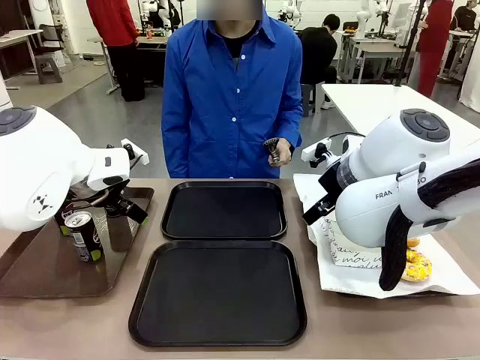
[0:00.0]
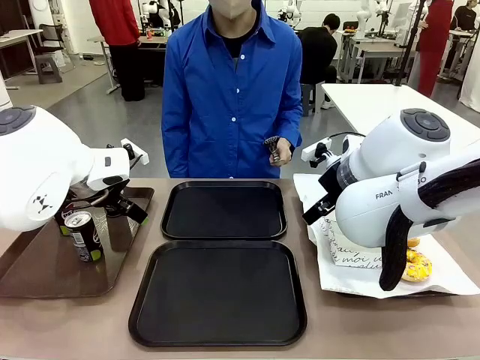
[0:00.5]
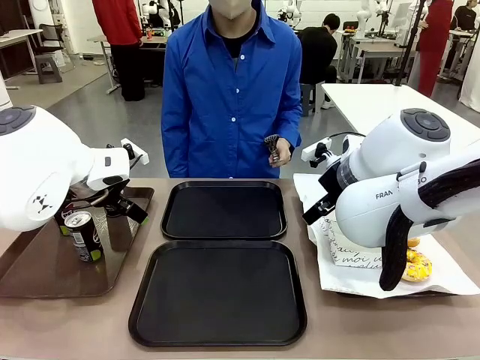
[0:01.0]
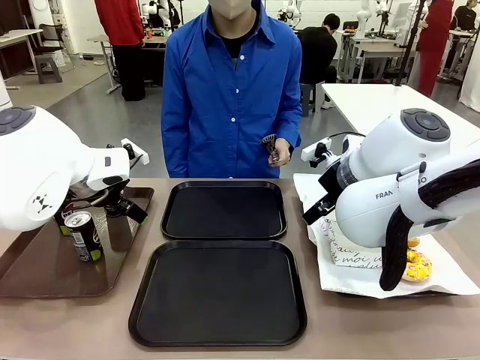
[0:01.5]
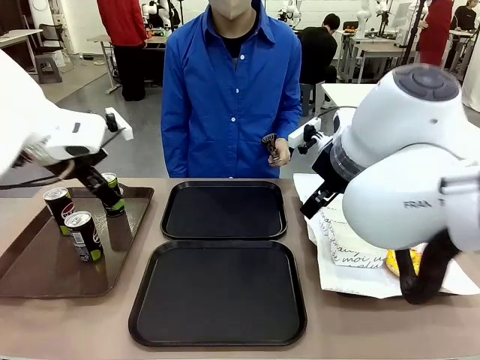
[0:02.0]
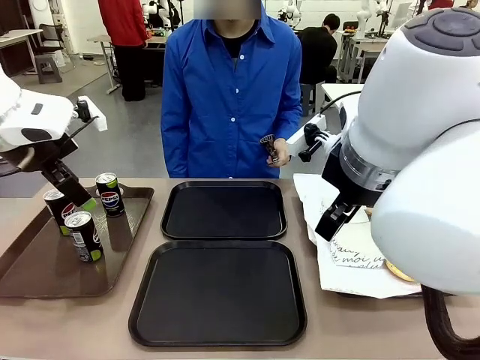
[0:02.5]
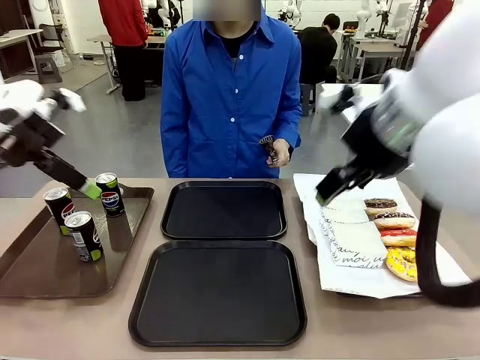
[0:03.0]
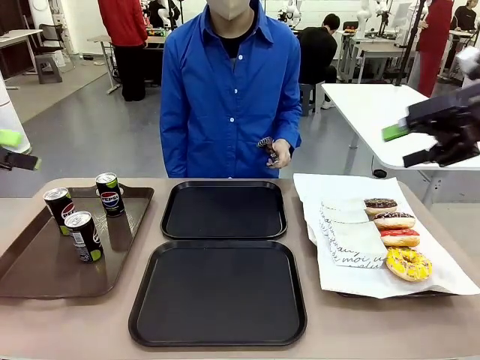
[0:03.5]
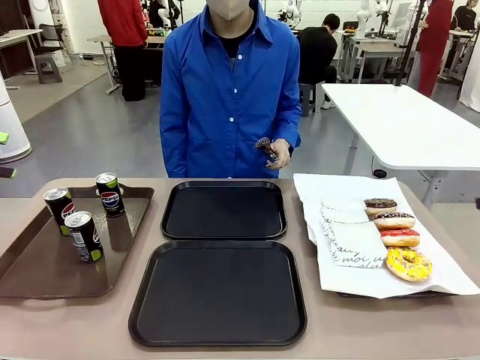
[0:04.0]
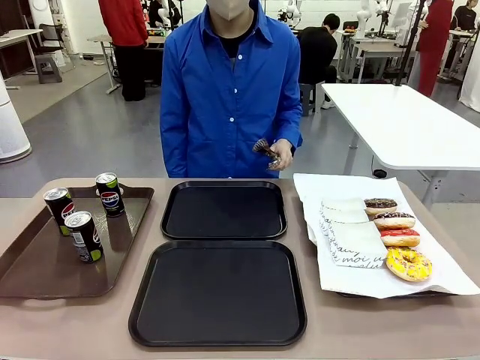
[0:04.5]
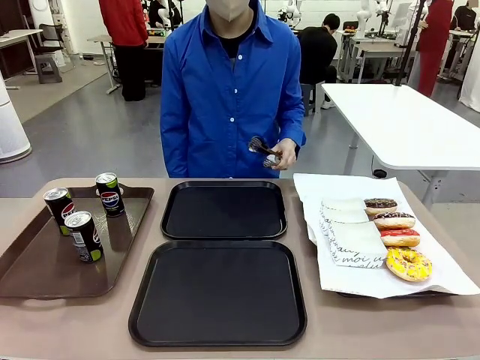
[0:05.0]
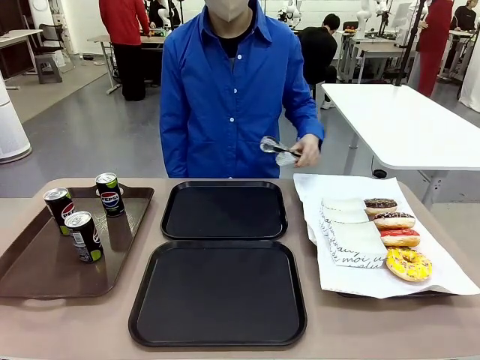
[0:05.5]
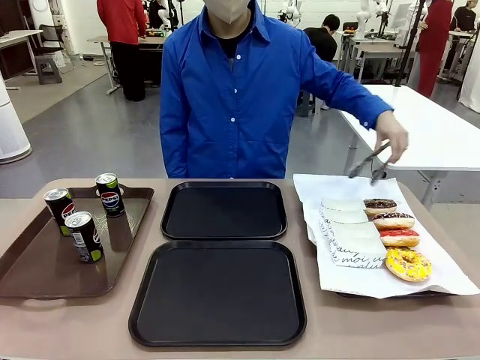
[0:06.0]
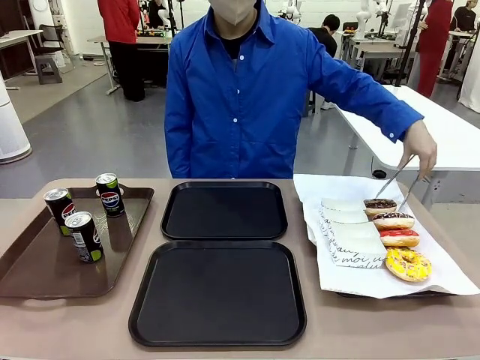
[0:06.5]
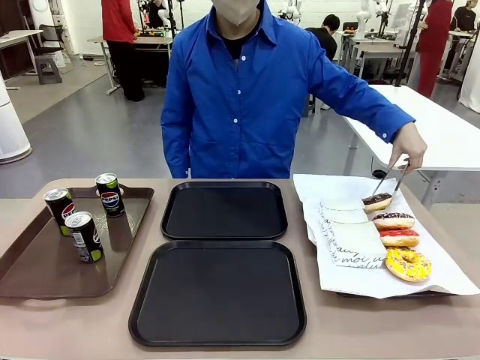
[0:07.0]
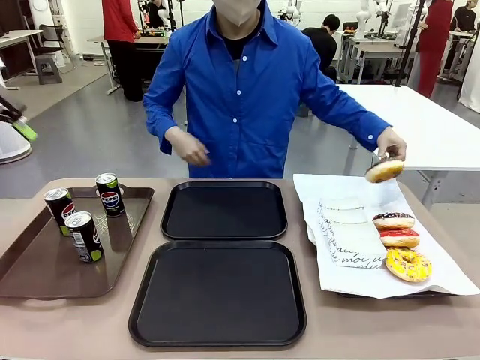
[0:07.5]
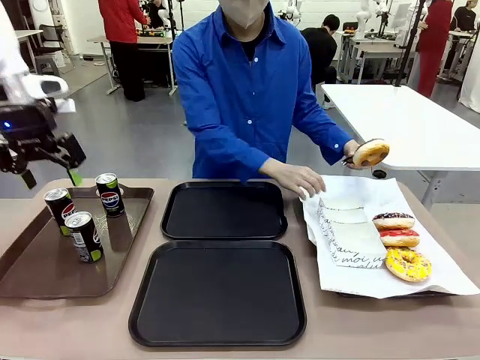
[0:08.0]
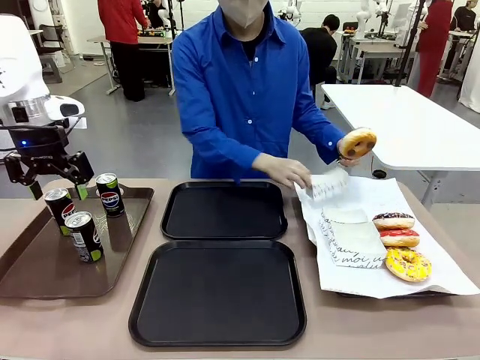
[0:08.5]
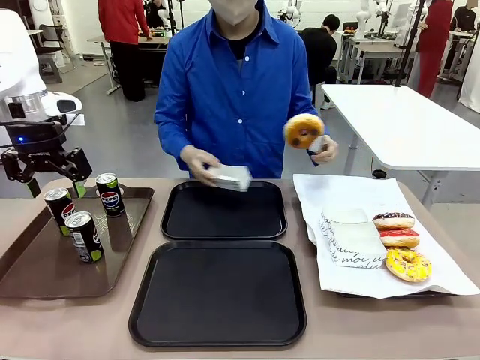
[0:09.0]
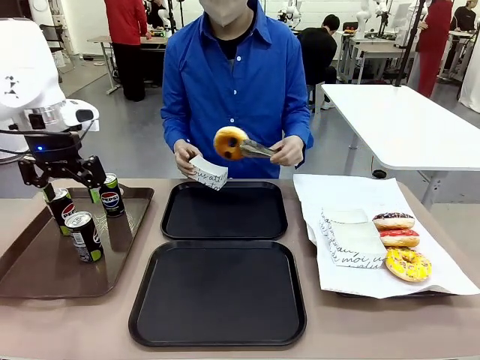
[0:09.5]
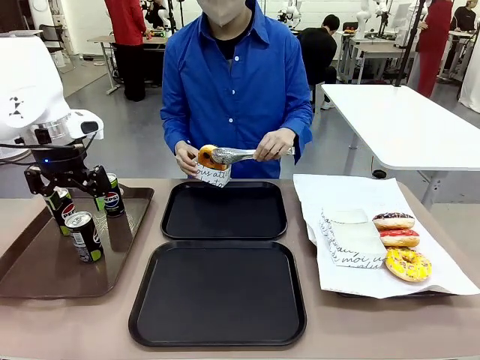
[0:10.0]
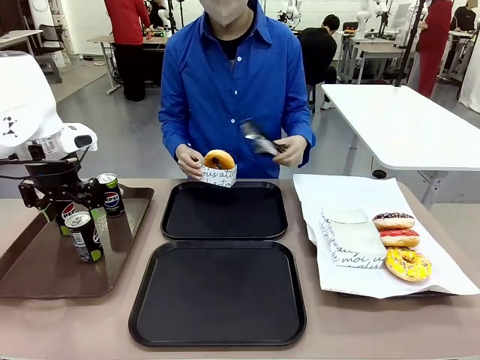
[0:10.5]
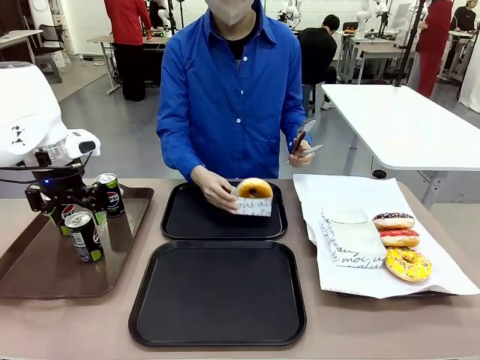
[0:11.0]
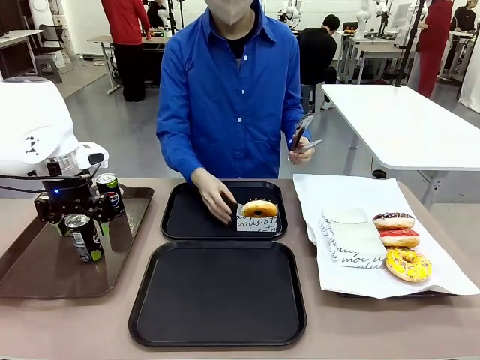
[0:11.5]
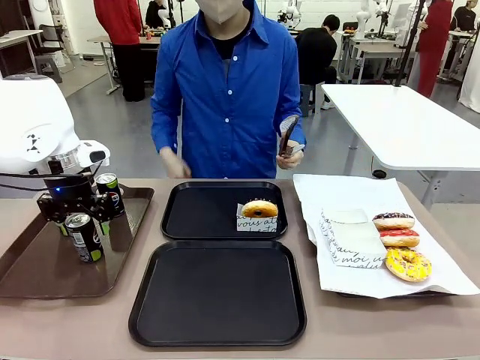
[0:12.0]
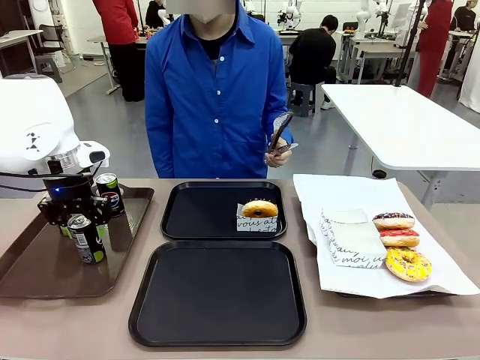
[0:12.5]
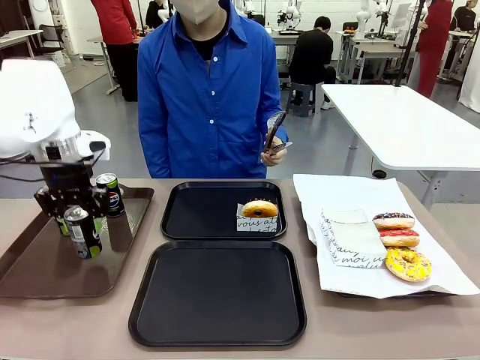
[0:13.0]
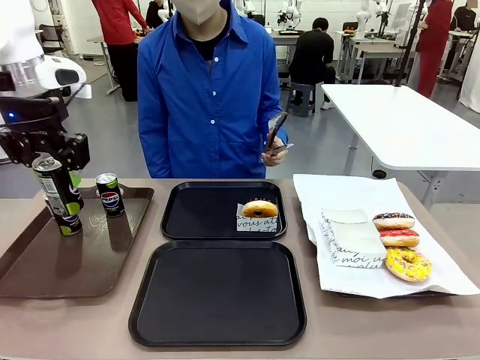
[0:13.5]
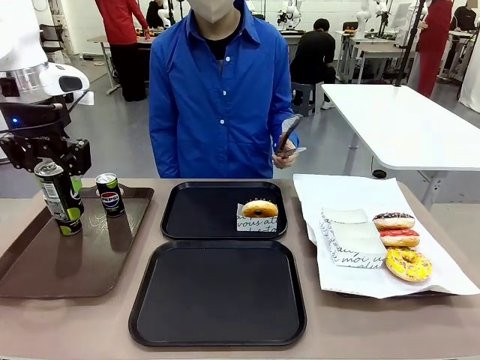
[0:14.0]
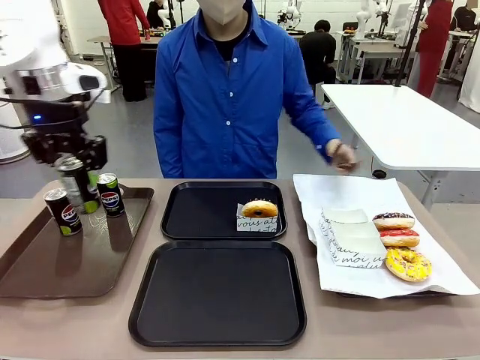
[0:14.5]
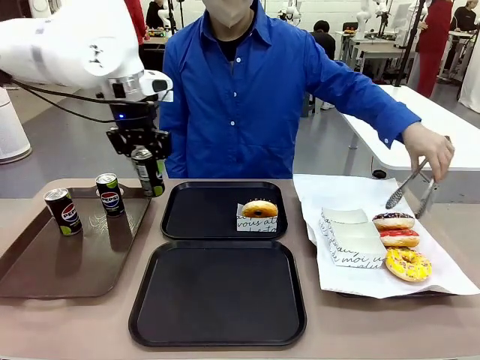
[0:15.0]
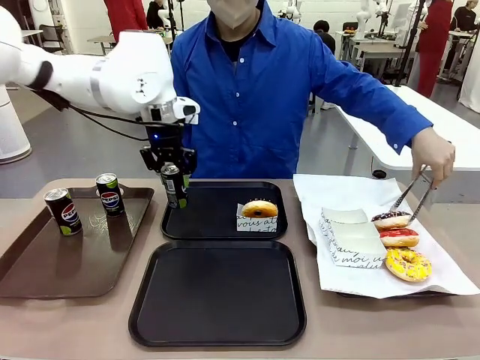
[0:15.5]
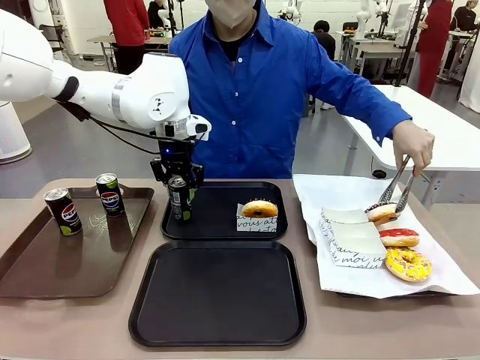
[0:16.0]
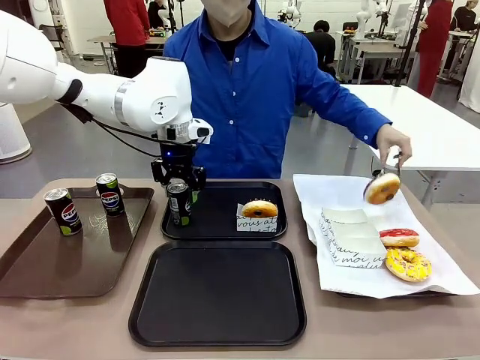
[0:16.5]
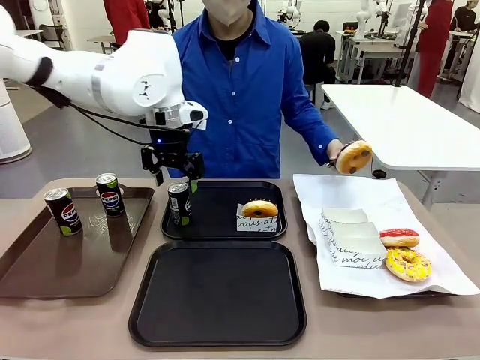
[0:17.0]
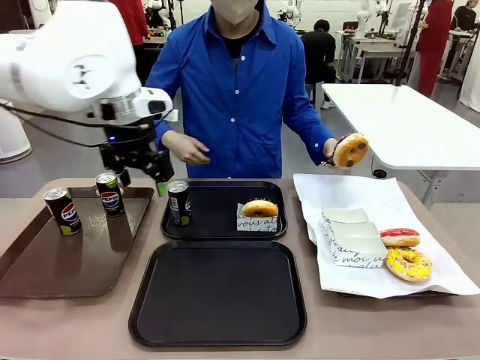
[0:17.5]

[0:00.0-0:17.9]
Task: Set up donuts and drinks on trays.
Robot: Pick up one Pepsi coke and place it on the Flat Tray.
